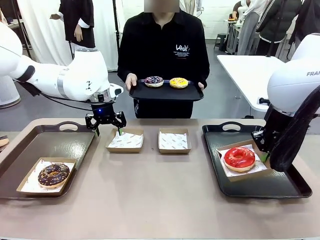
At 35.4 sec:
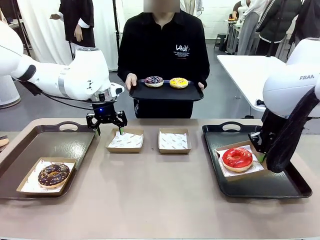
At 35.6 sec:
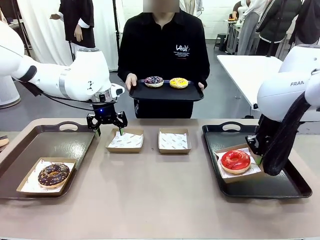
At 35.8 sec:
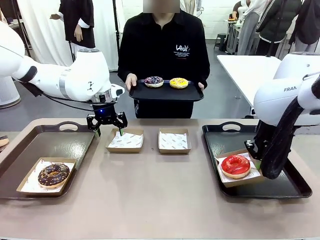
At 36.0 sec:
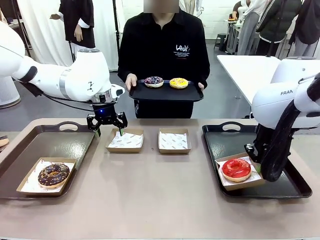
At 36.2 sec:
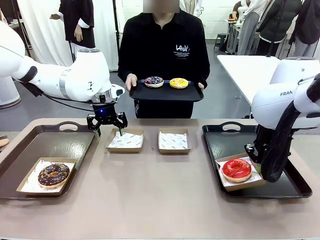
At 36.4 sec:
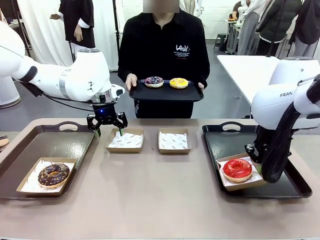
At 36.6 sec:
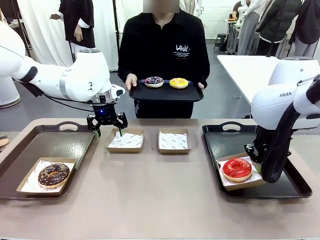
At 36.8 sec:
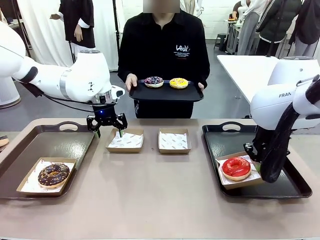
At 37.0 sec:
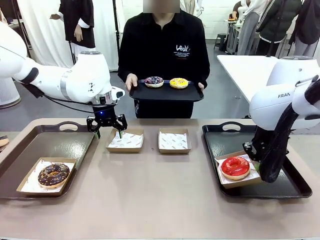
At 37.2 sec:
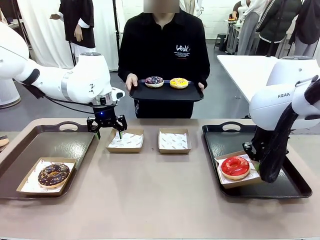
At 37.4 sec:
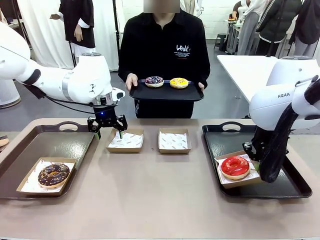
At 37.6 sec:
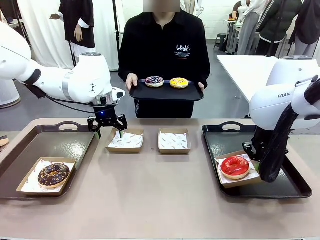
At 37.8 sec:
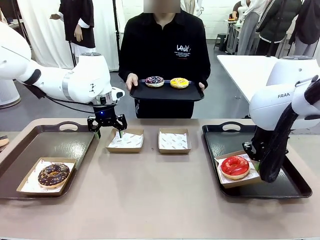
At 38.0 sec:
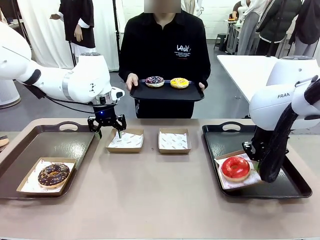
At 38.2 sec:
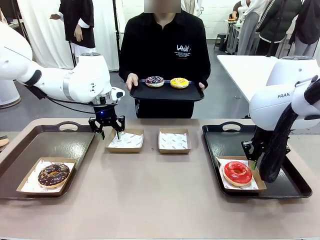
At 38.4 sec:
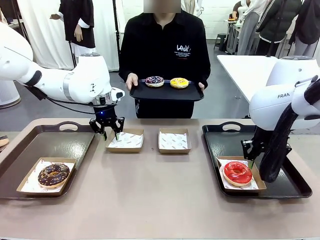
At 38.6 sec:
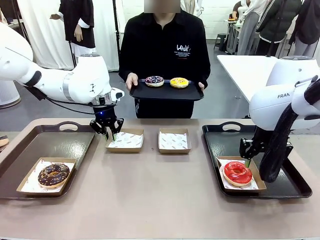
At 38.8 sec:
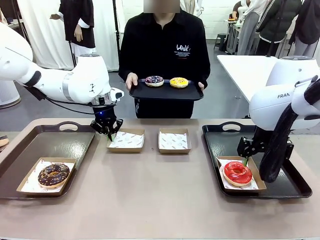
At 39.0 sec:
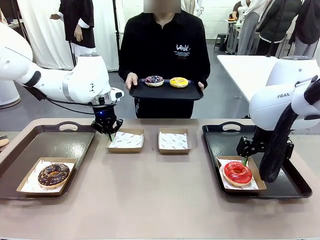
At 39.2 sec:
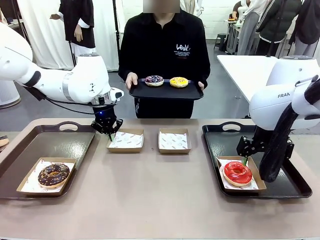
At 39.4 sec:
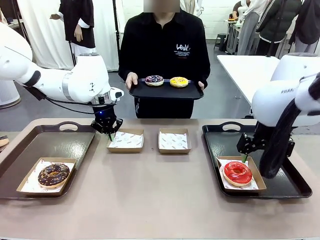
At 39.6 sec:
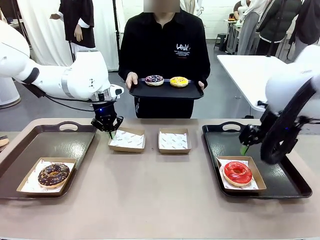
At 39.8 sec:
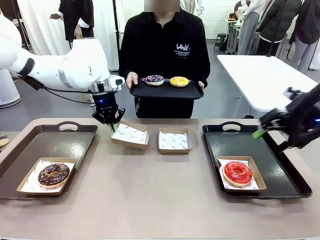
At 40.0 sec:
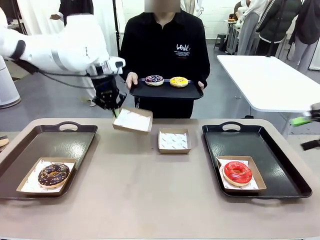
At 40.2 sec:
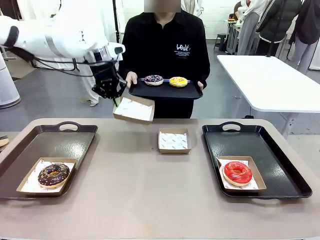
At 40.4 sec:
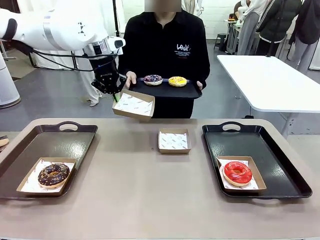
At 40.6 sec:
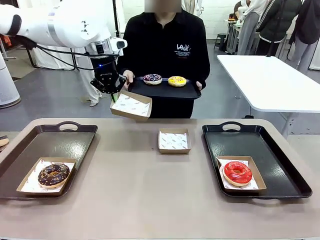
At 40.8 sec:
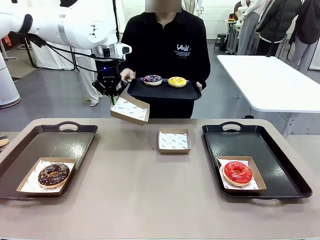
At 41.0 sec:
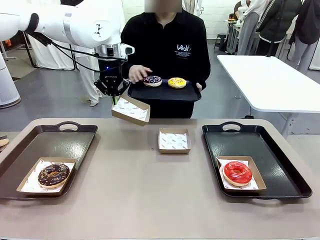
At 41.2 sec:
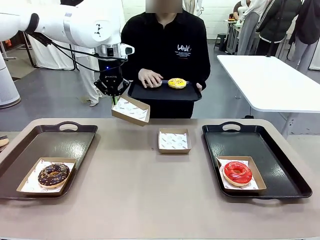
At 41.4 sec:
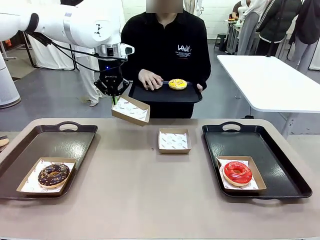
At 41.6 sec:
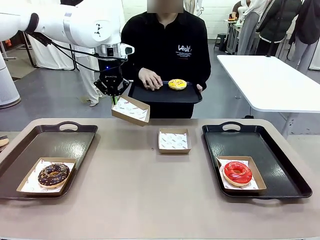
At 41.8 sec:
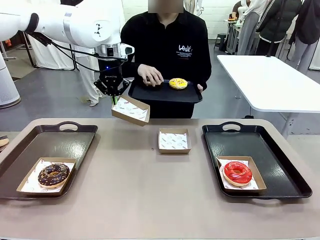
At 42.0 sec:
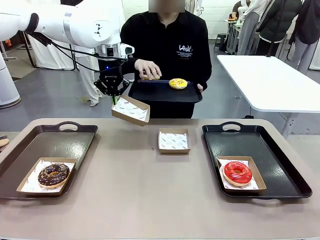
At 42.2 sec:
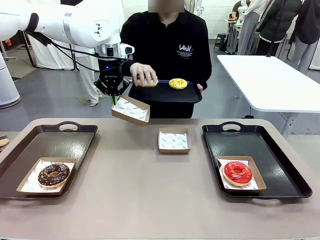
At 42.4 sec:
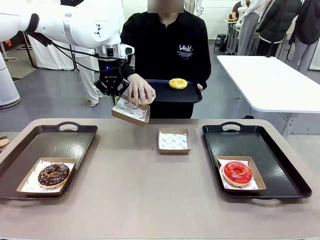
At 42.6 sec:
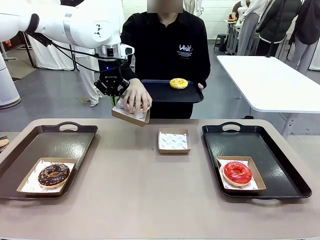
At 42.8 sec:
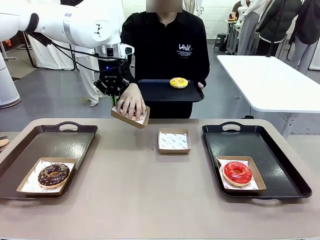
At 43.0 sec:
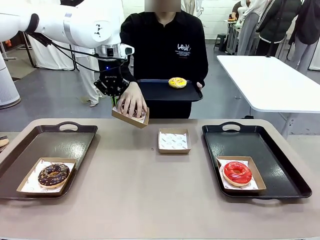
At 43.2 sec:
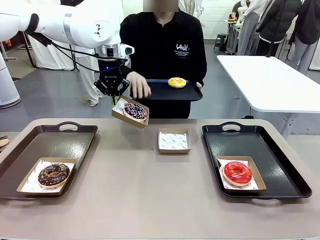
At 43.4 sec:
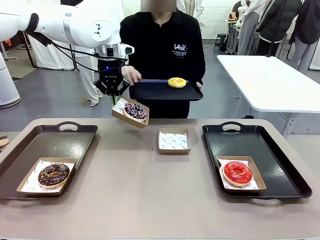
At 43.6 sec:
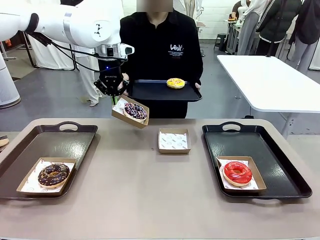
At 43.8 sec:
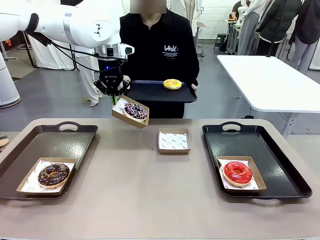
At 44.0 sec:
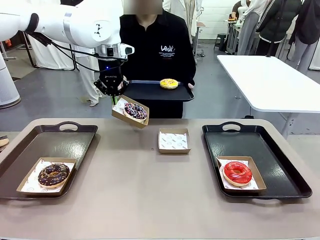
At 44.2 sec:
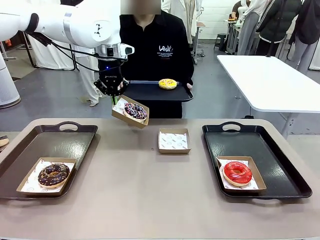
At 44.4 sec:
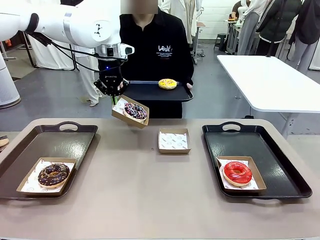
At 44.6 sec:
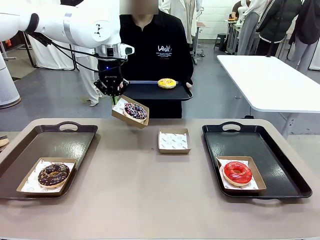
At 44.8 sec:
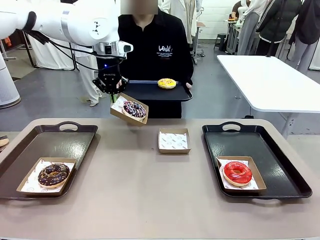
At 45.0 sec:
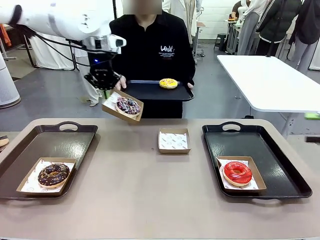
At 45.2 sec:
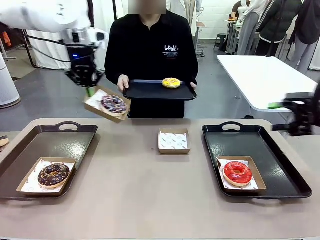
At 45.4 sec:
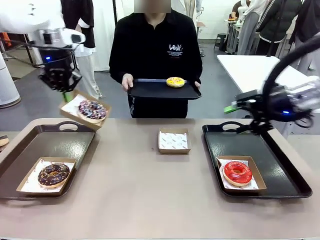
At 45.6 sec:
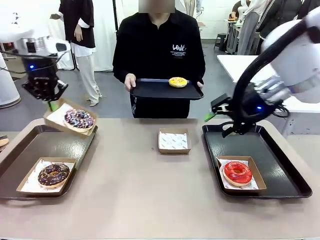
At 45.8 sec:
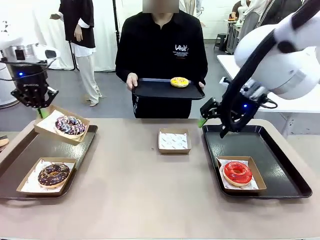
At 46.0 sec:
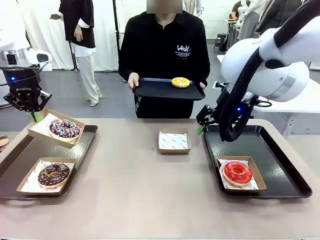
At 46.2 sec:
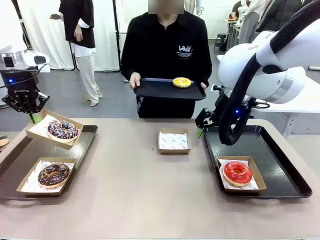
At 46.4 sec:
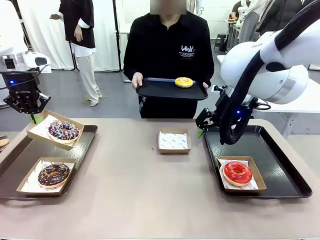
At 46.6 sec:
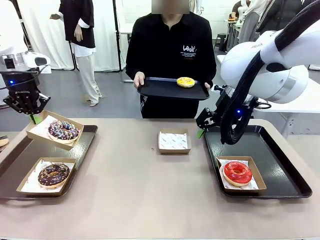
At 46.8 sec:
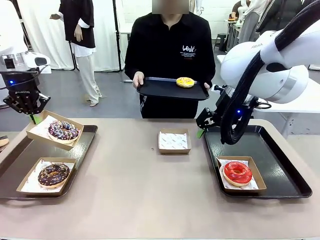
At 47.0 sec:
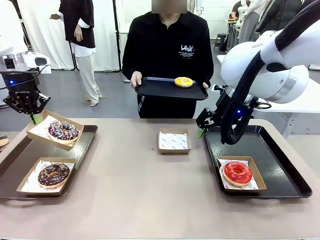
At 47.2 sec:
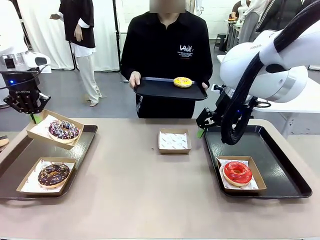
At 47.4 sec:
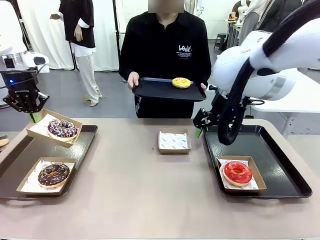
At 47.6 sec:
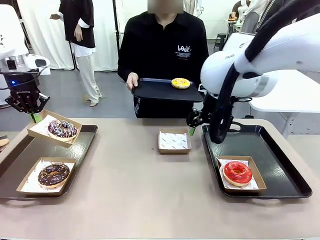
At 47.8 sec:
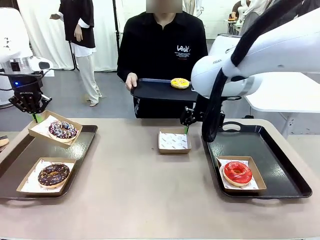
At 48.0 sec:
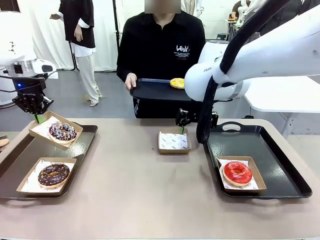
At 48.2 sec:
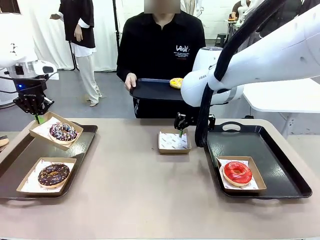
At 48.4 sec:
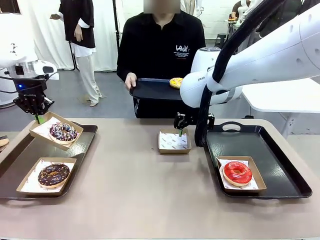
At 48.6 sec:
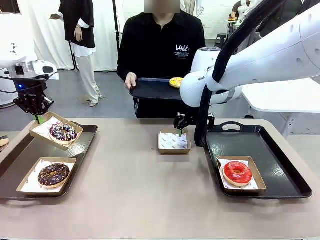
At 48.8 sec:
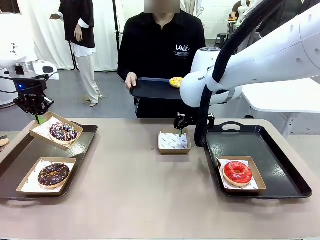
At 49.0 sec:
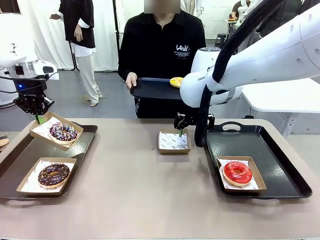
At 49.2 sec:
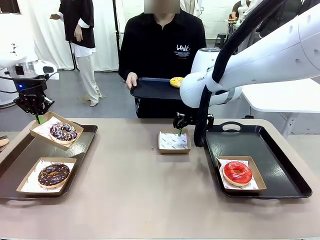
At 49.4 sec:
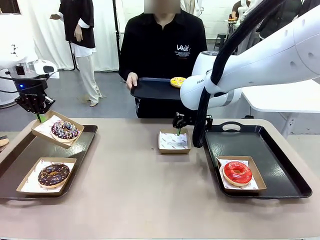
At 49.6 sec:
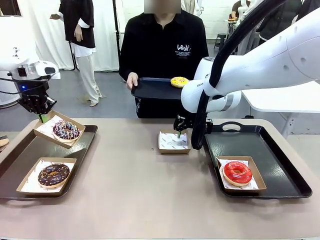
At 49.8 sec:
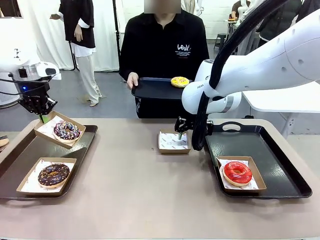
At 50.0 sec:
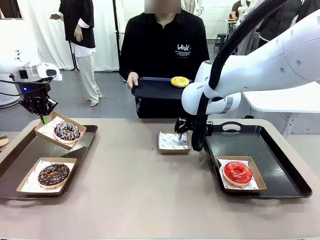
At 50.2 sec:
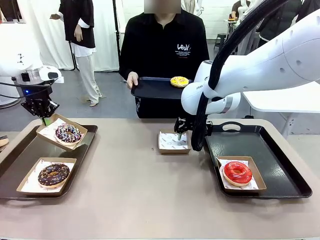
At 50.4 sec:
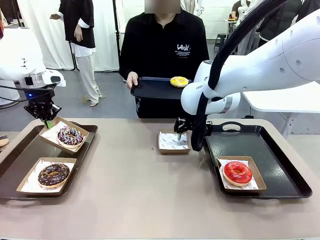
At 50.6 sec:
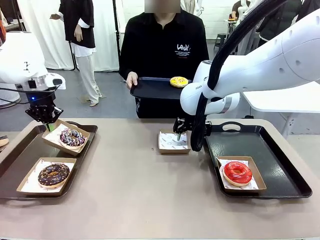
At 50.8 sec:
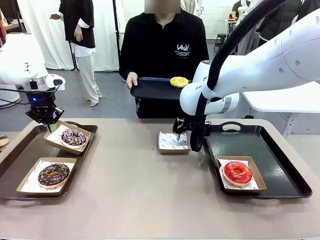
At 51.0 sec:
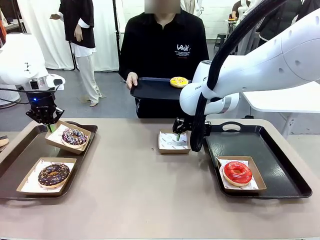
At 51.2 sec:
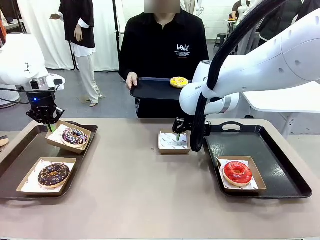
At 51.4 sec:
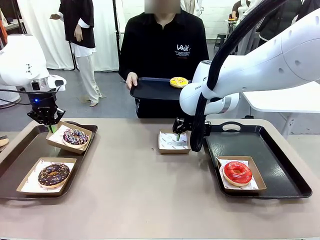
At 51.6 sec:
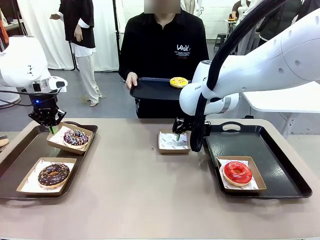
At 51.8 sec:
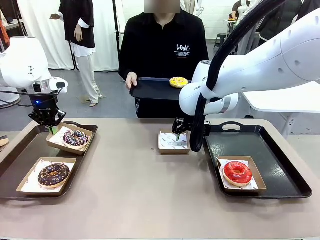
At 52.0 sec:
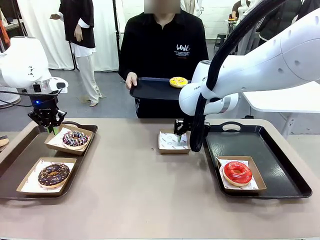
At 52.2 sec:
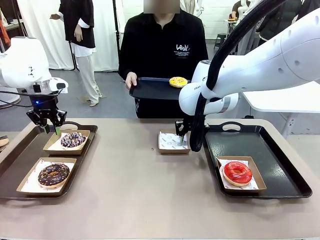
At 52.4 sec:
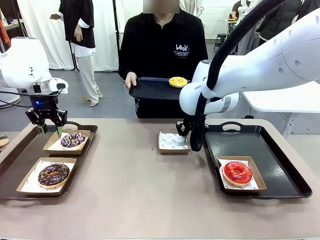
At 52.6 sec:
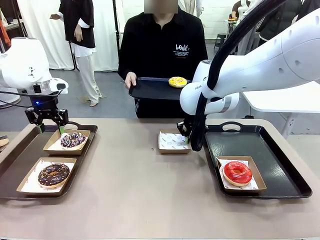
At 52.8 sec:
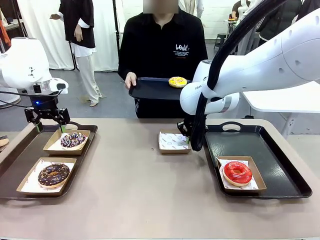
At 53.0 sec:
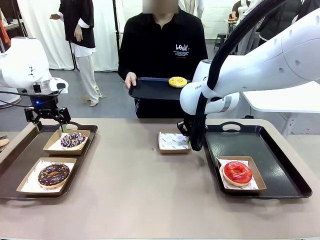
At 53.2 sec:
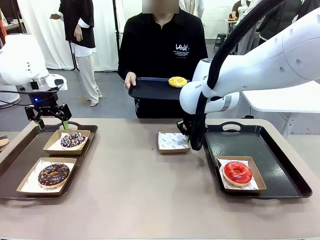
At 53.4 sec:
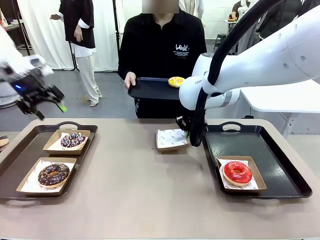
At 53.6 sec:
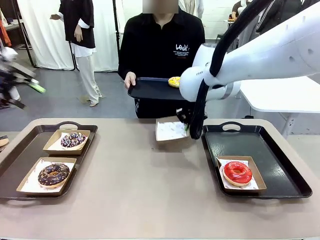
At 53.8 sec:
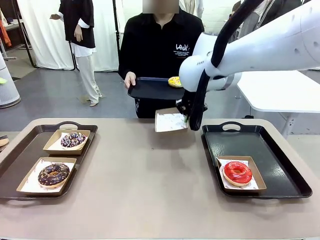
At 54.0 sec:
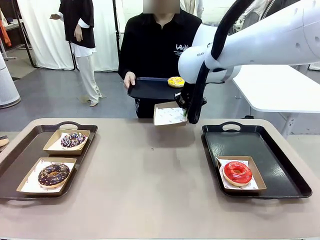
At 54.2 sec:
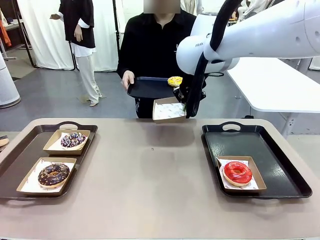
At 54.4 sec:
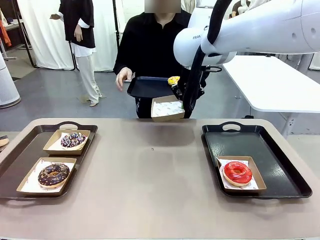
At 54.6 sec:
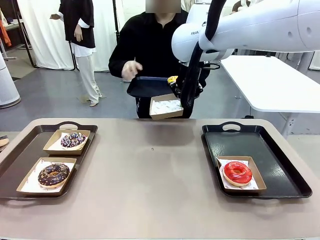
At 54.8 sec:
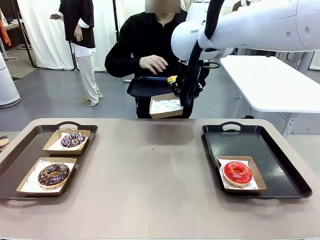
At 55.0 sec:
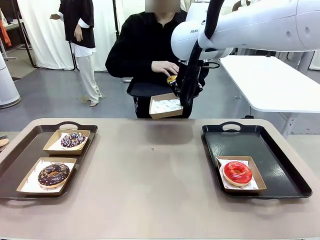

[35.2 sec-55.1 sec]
Task: Individually package the donuts and arrange them on the tray.
Robot: Place the picked Paper togo box on the Handle tray while simultaneously picking up another Paper togo box from the table with the other hand.
